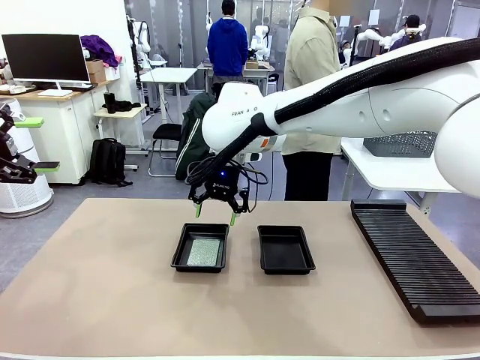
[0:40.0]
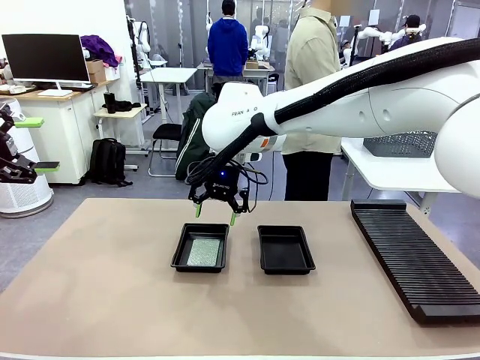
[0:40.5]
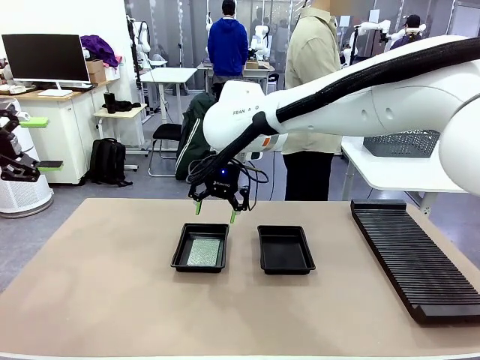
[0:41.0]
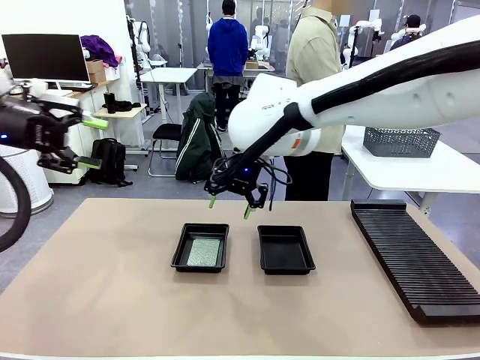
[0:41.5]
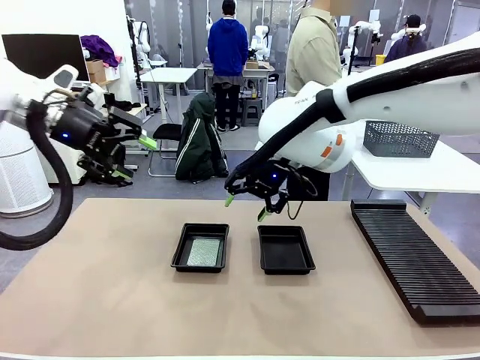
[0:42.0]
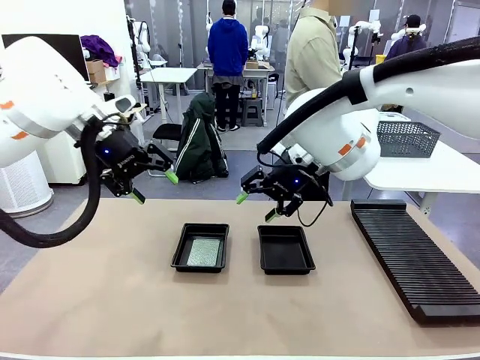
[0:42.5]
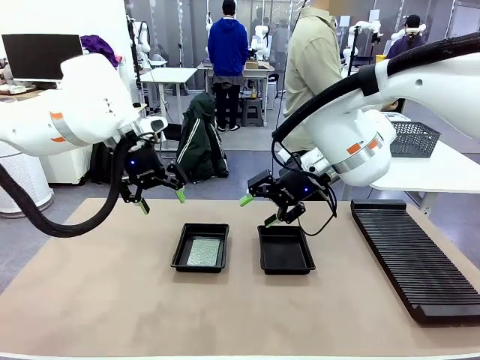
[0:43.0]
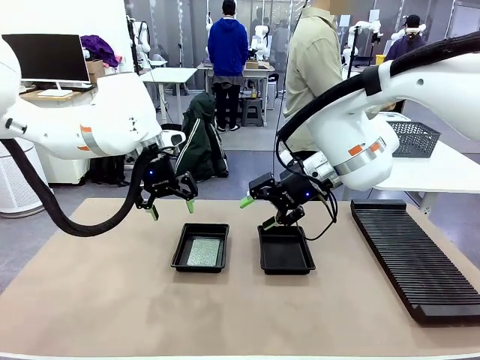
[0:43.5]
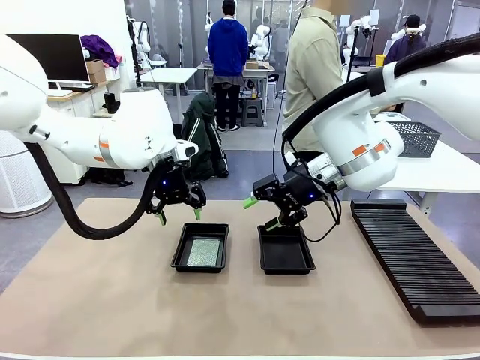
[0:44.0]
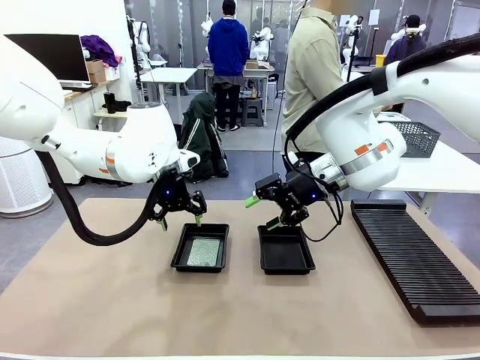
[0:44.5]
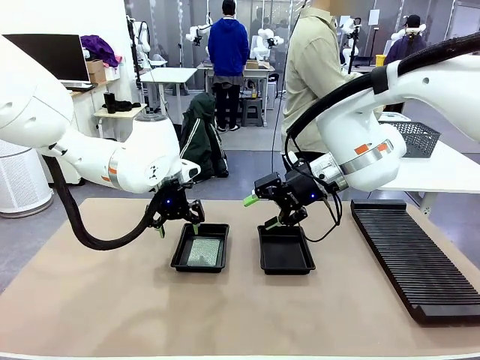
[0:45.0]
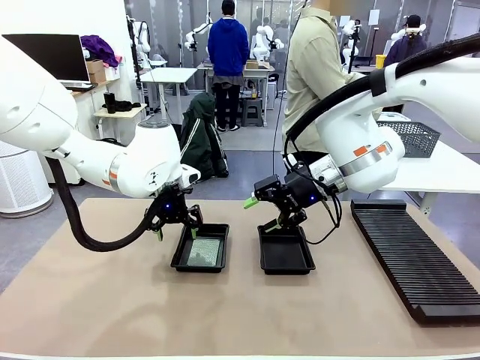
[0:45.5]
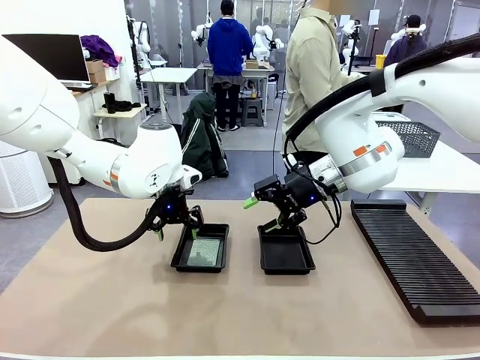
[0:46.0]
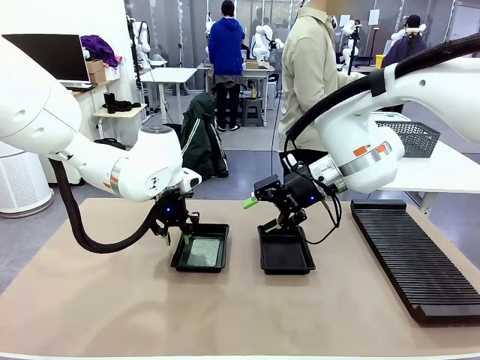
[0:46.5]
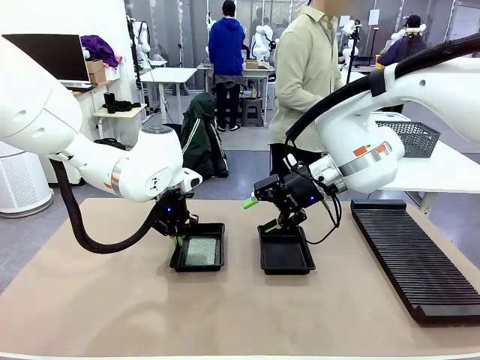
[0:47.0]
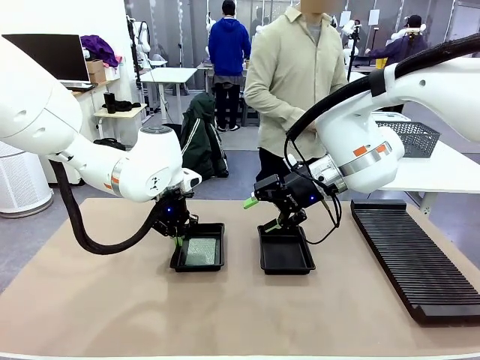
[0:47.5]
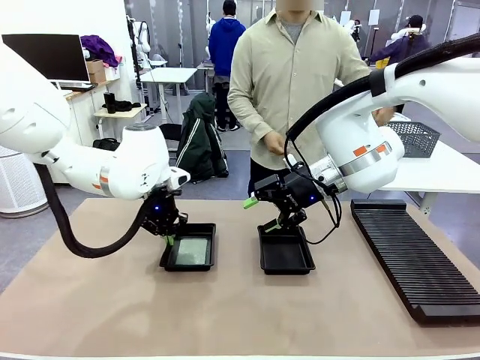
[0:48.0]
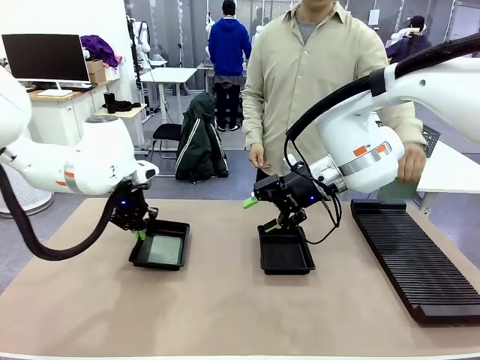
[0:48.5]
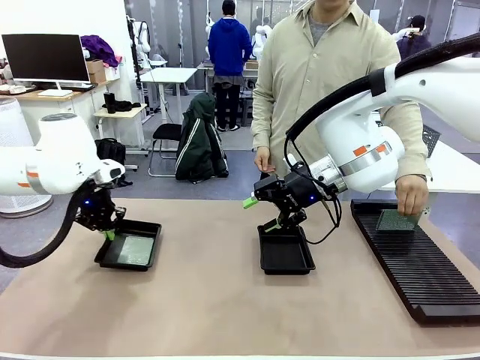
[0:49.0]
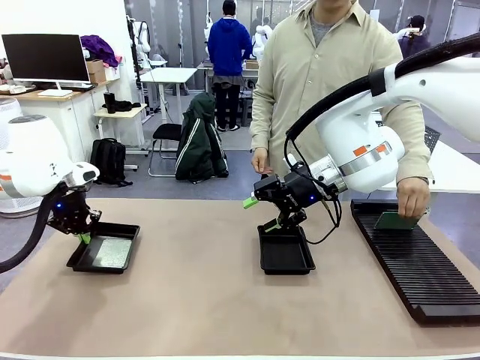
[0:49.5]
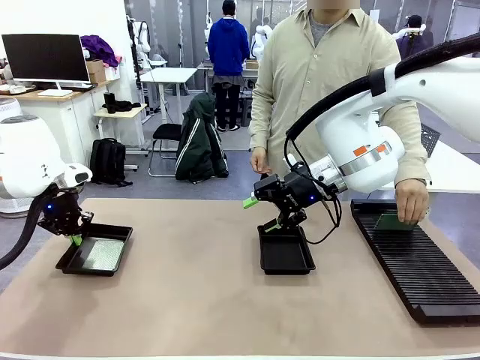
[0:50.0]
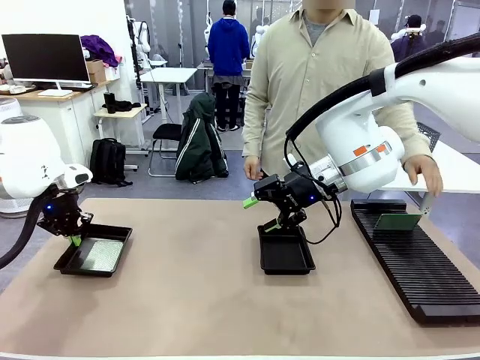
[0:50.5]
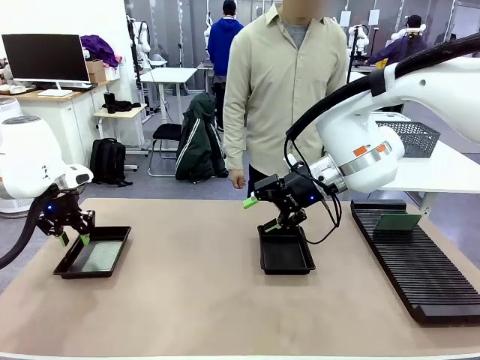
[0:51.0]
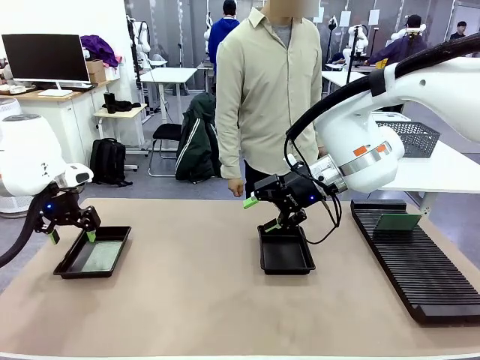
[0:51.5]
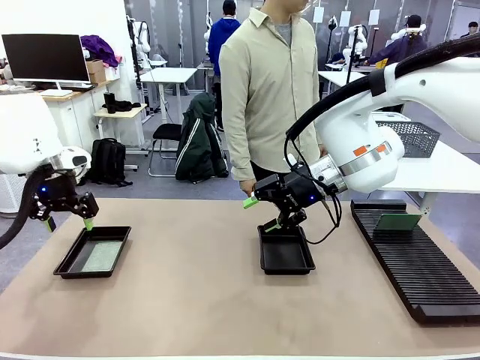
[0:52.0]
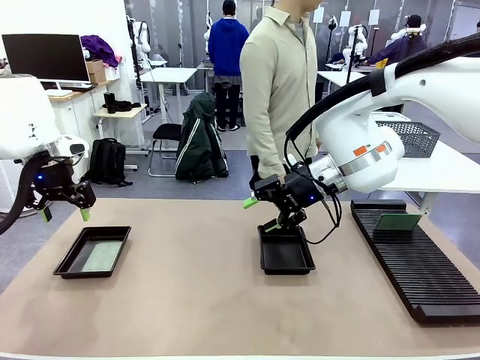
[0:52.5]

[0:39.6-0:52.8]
Task: Inspect and transfer BCBs to ESD trays.
Robot: Pick up the ESD tray and place it on the left side of the table.

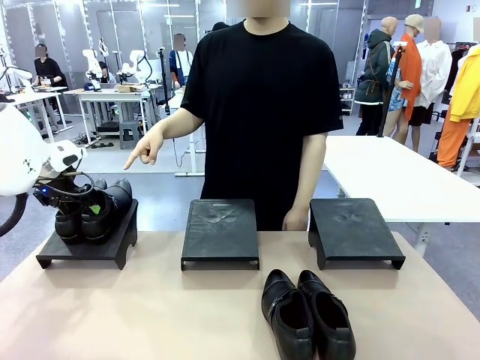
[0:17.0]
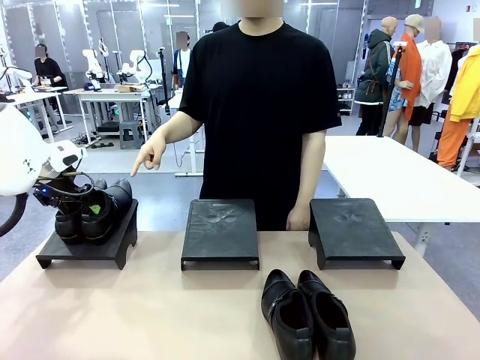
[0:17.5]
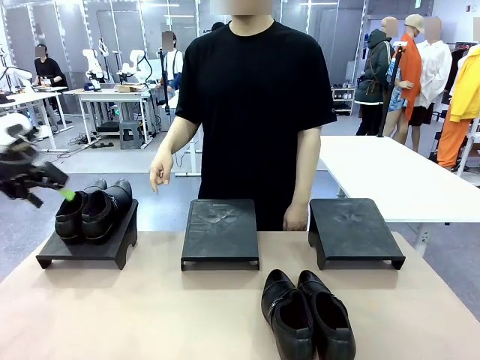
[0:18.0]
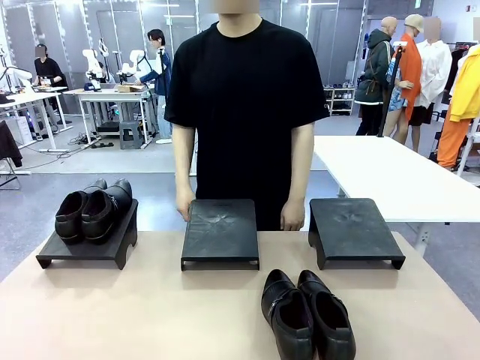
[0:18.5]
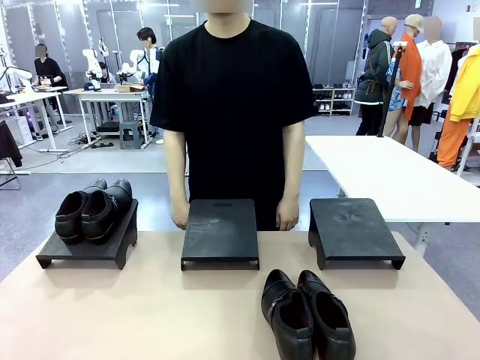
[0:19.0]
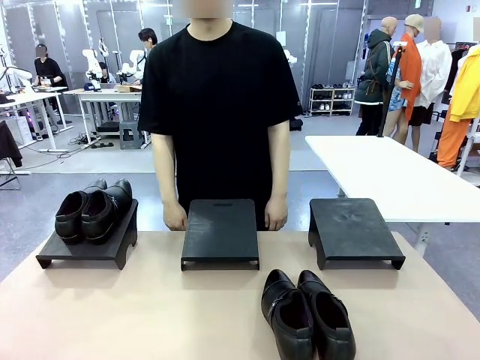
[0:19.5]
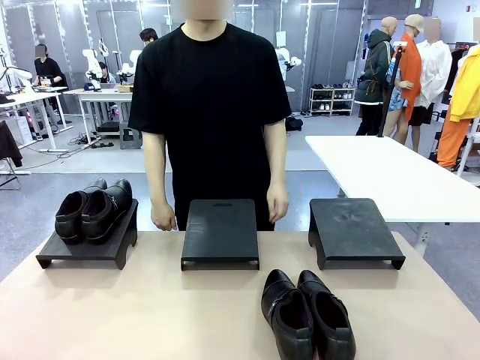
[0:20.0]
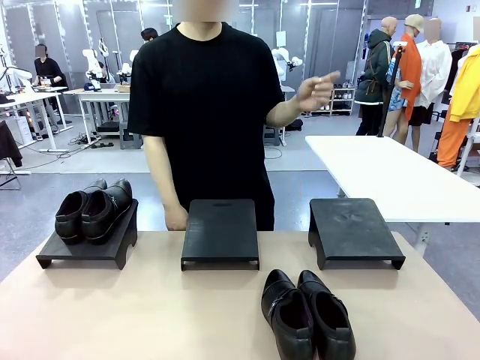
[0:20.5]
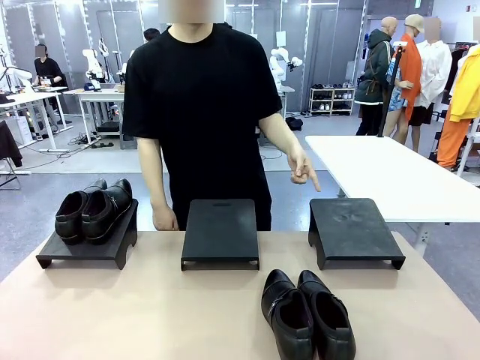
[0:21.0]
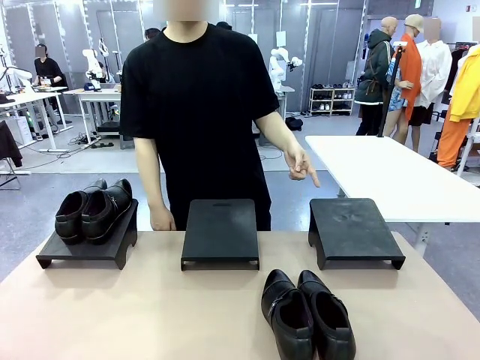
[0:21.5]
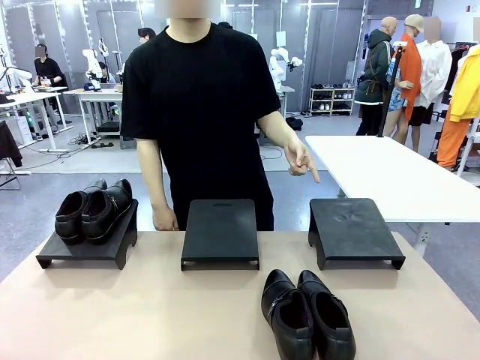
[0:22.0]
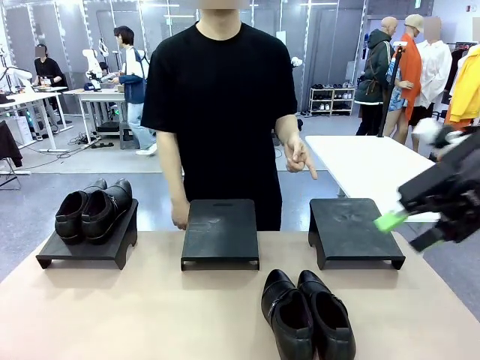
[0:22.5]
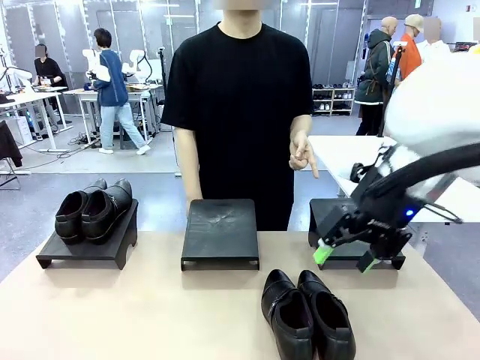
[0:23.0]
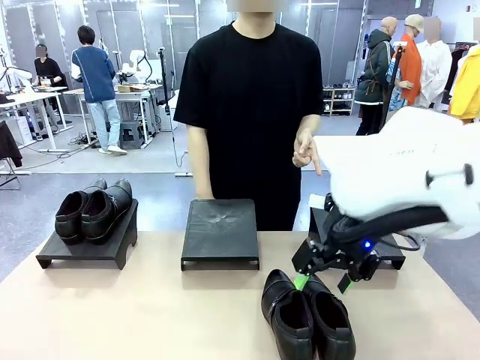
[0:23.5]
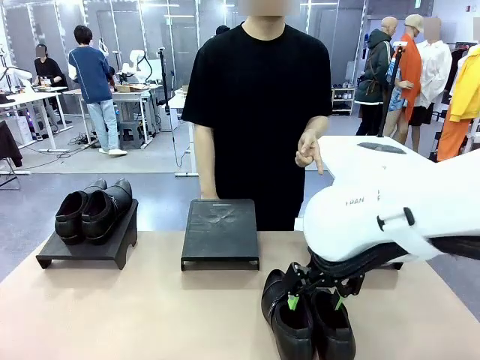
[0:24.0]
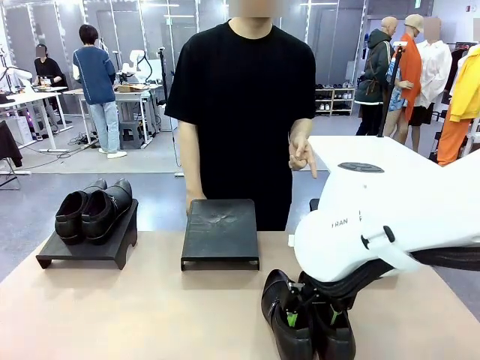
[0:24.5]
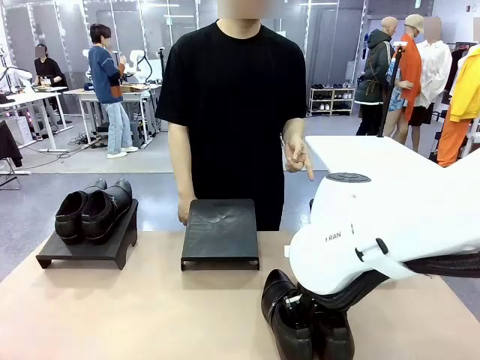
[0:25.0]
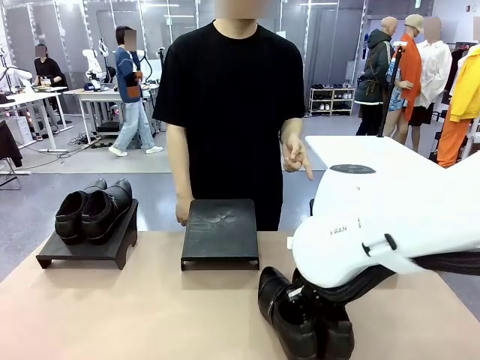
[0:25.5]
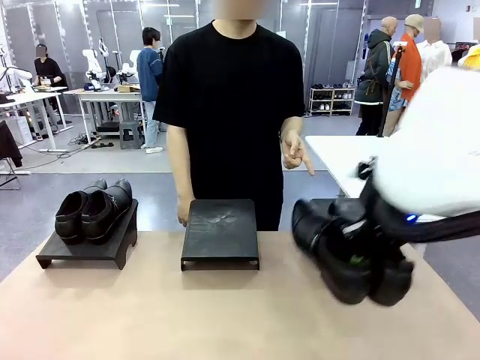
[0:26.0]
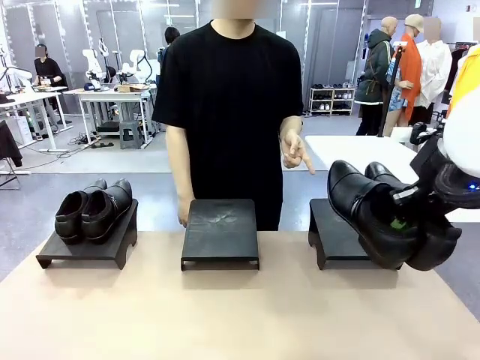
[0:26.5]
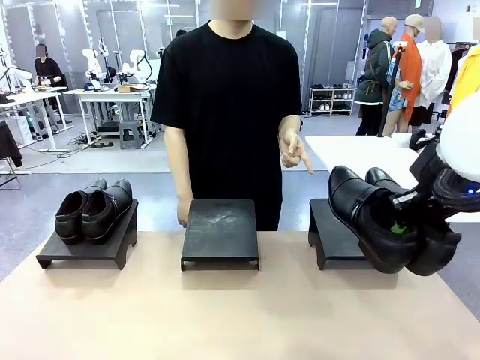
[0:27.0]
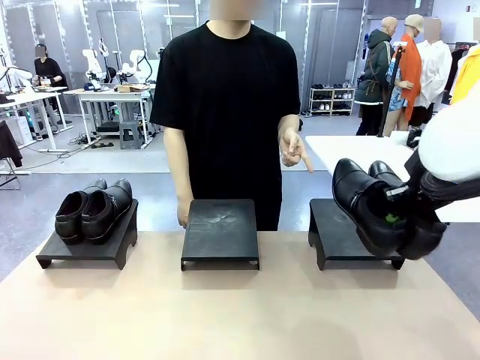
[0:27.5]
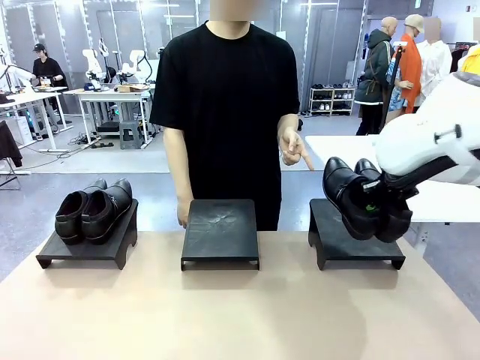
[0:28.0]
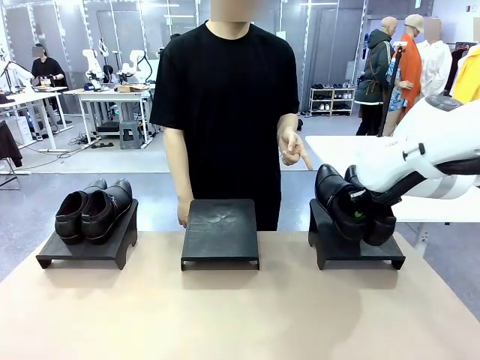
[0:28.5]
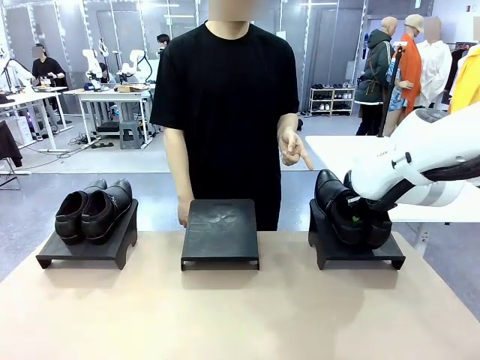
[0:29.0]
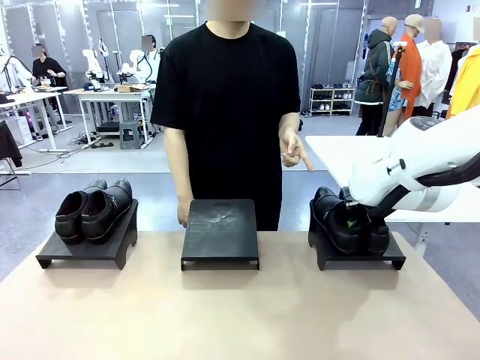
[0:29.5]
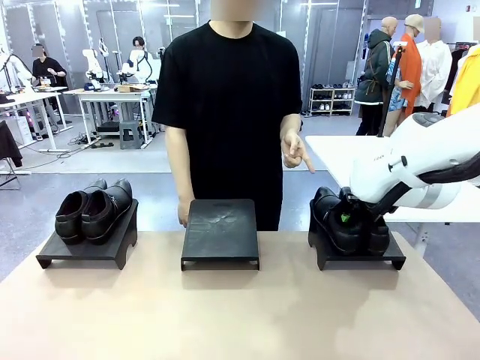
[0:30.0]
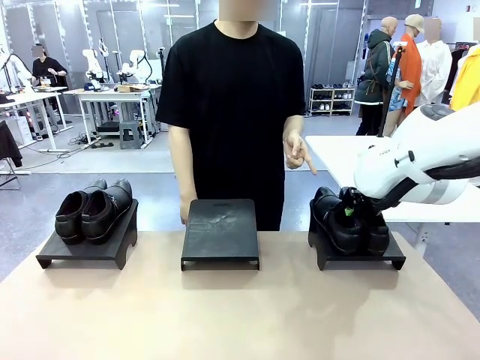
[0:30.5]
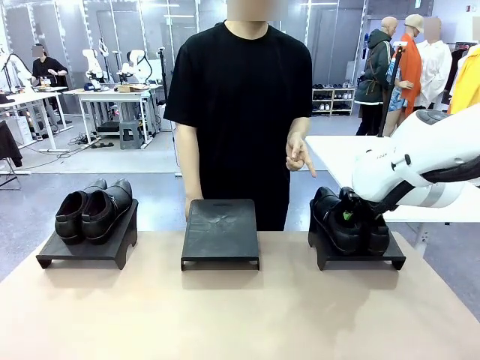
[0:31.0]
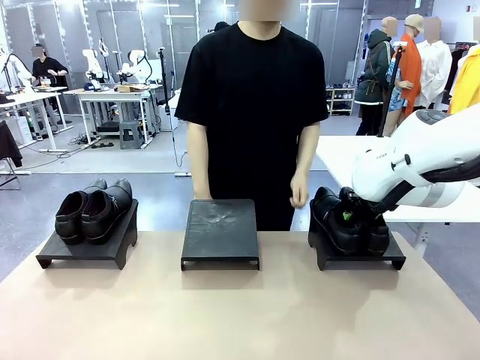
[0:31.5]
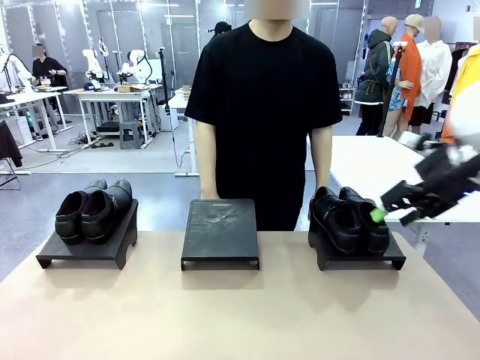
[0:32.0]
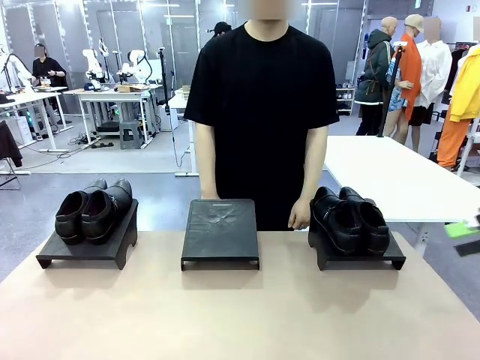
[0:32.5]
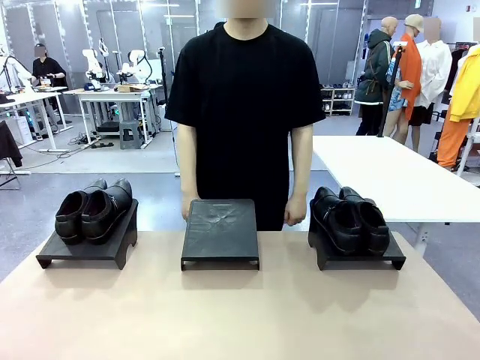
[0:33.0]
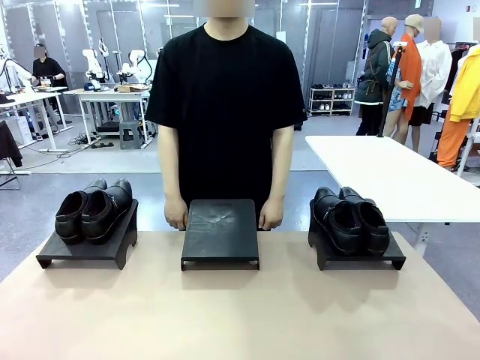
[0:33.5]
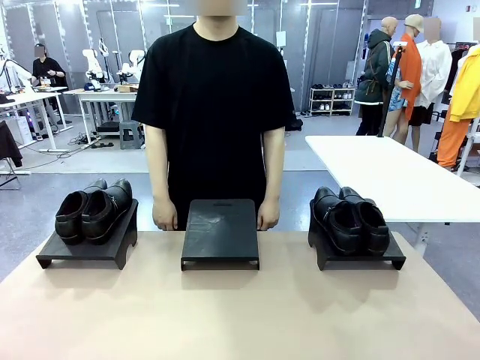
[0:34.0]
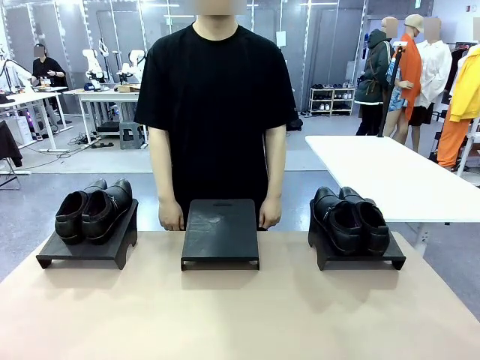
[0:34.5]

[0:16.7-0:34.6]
Task: Place the shoes on the stand as instructed by the person.
Robot: Pick up another pair of Shoes and place it on the Shoes Stand indicated by the person.
Person: Point to one Shoes Stand.
